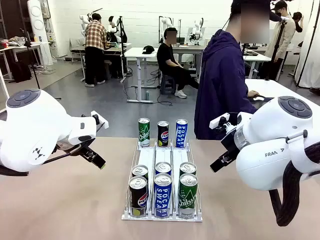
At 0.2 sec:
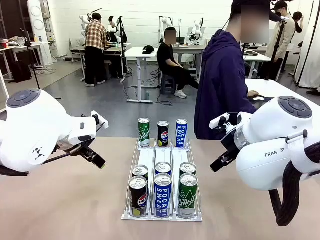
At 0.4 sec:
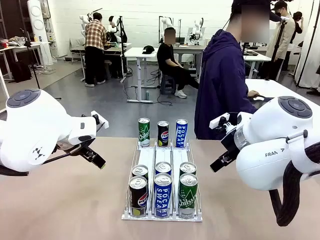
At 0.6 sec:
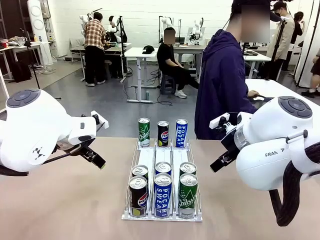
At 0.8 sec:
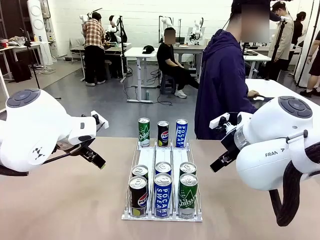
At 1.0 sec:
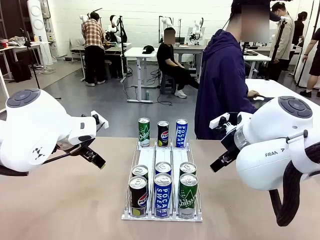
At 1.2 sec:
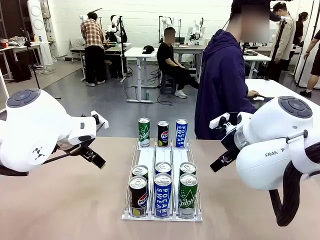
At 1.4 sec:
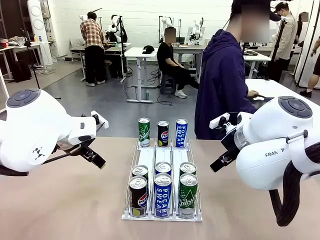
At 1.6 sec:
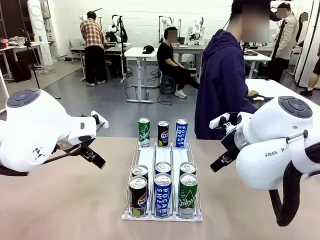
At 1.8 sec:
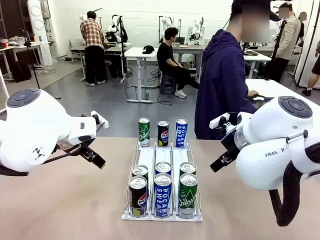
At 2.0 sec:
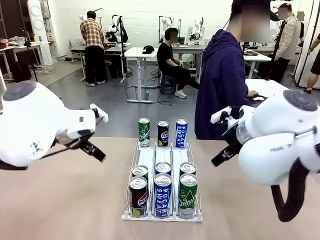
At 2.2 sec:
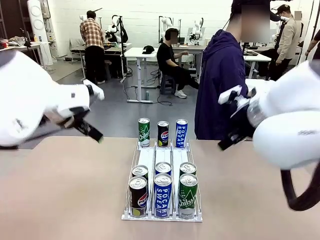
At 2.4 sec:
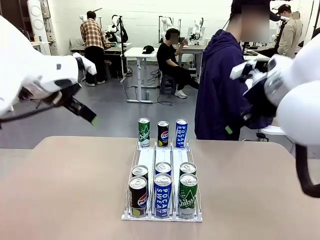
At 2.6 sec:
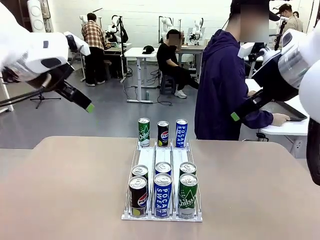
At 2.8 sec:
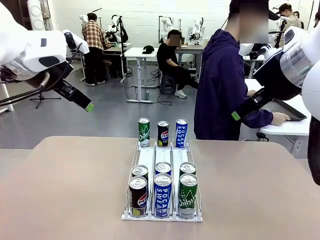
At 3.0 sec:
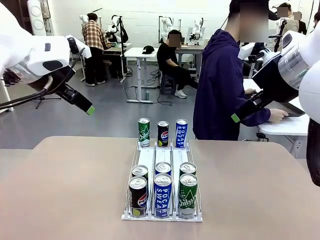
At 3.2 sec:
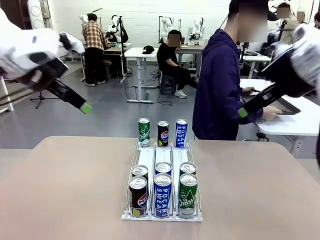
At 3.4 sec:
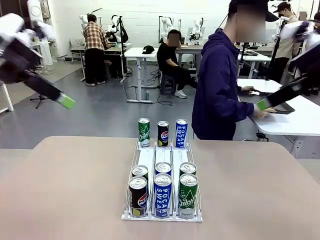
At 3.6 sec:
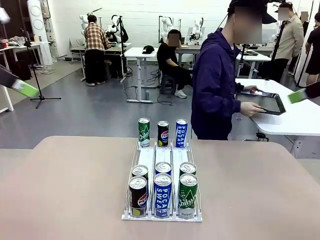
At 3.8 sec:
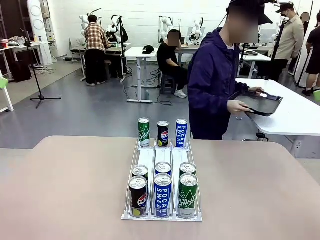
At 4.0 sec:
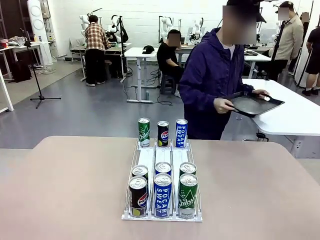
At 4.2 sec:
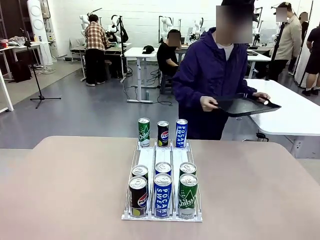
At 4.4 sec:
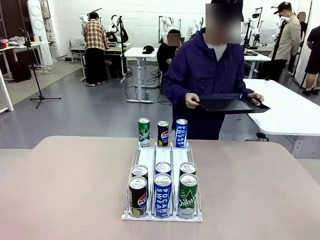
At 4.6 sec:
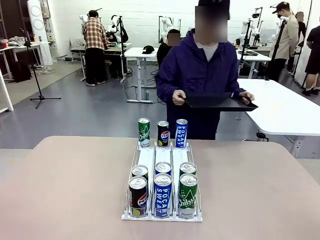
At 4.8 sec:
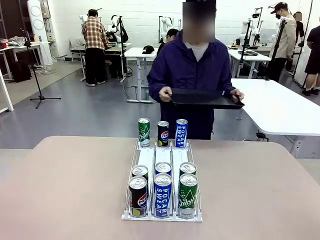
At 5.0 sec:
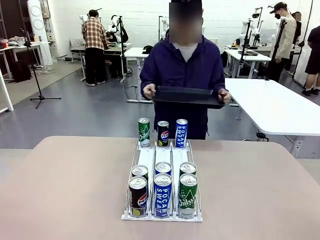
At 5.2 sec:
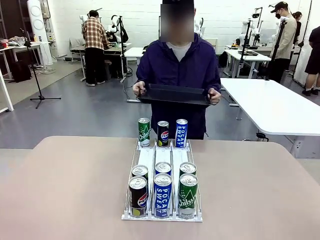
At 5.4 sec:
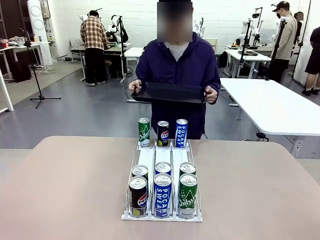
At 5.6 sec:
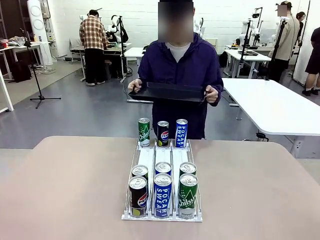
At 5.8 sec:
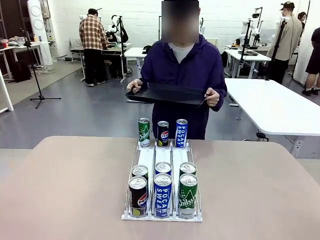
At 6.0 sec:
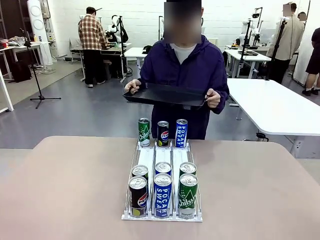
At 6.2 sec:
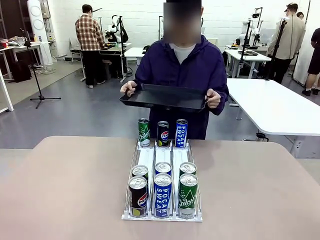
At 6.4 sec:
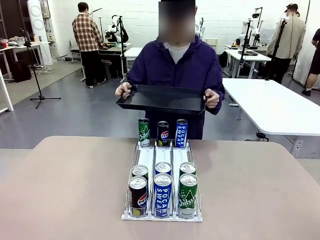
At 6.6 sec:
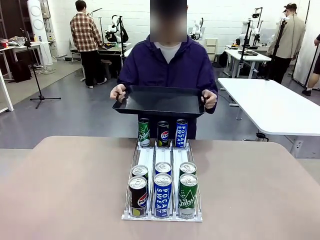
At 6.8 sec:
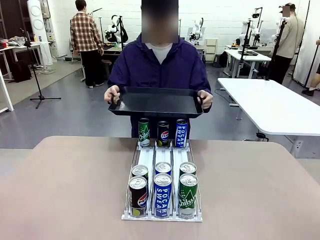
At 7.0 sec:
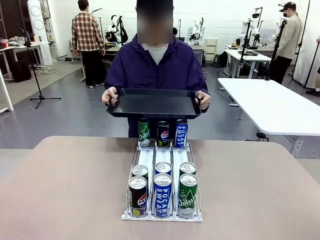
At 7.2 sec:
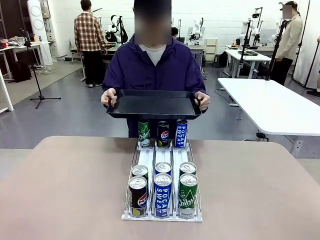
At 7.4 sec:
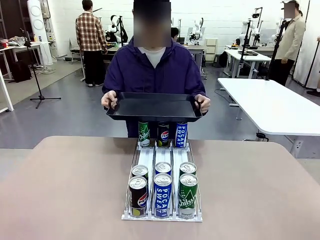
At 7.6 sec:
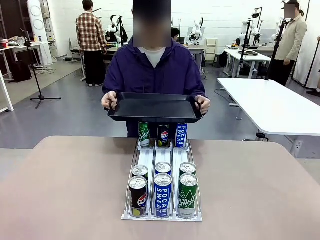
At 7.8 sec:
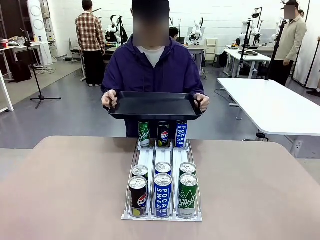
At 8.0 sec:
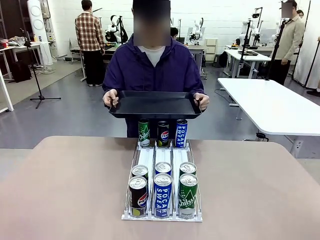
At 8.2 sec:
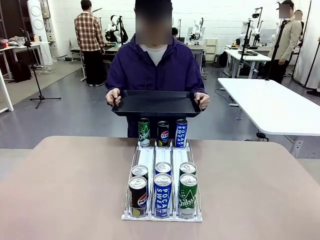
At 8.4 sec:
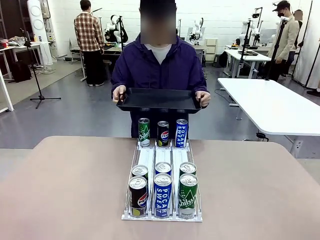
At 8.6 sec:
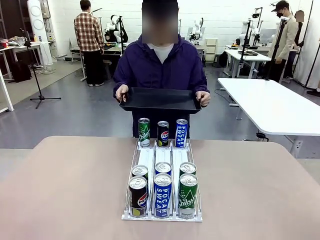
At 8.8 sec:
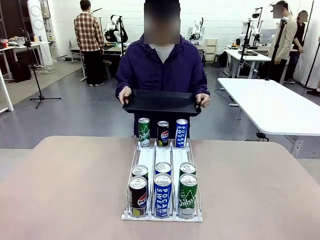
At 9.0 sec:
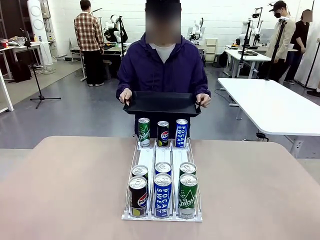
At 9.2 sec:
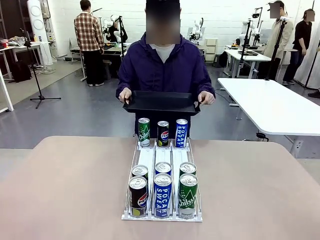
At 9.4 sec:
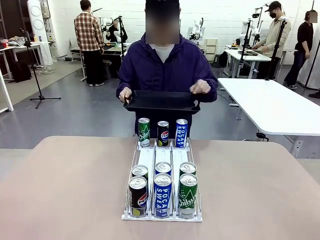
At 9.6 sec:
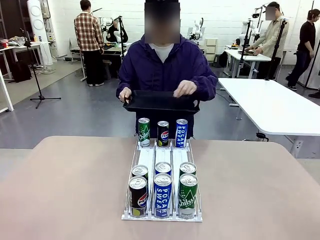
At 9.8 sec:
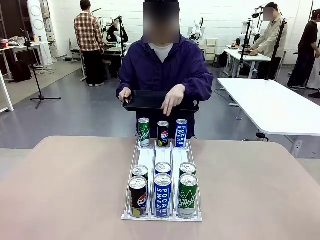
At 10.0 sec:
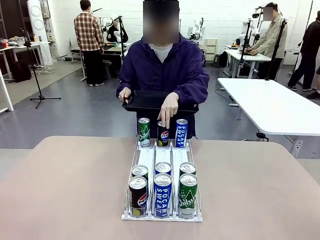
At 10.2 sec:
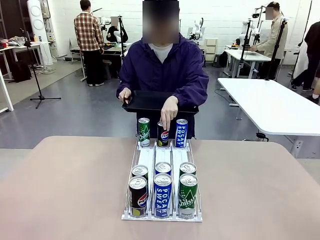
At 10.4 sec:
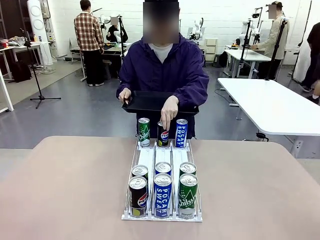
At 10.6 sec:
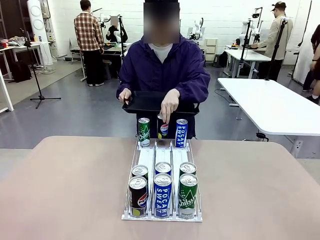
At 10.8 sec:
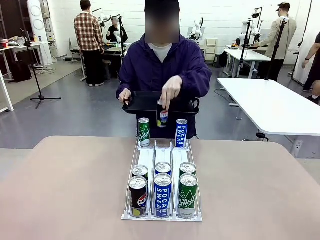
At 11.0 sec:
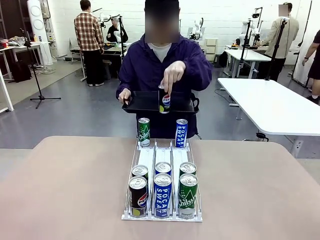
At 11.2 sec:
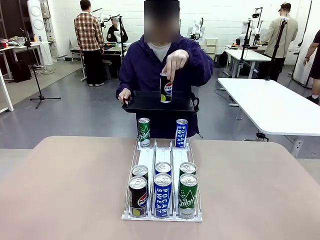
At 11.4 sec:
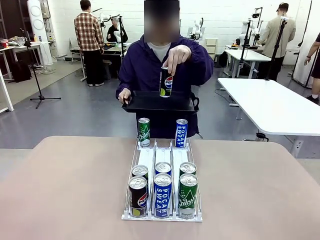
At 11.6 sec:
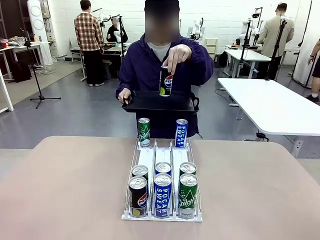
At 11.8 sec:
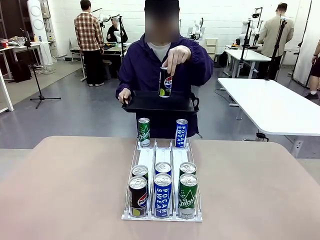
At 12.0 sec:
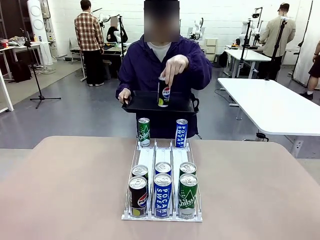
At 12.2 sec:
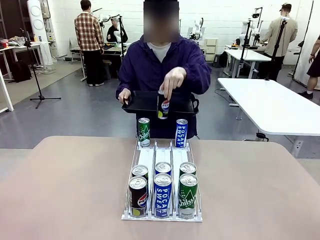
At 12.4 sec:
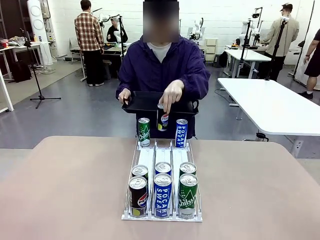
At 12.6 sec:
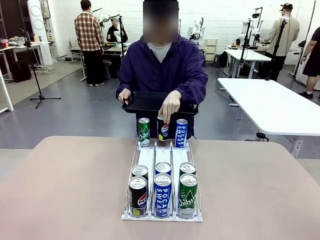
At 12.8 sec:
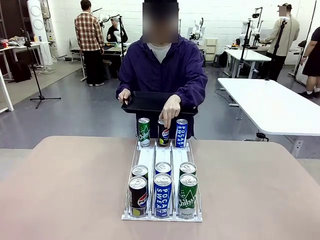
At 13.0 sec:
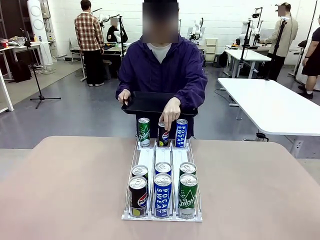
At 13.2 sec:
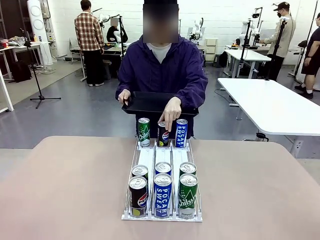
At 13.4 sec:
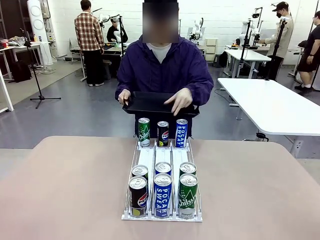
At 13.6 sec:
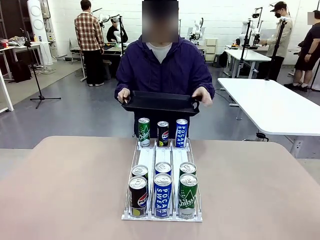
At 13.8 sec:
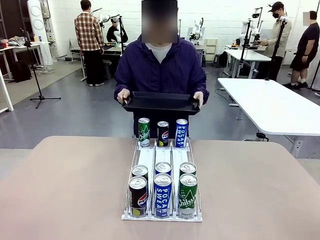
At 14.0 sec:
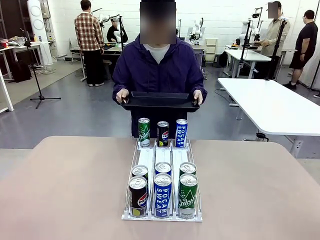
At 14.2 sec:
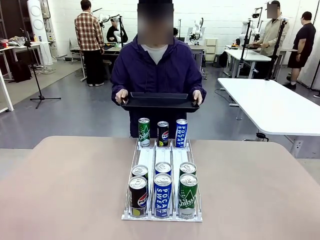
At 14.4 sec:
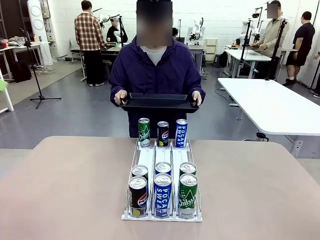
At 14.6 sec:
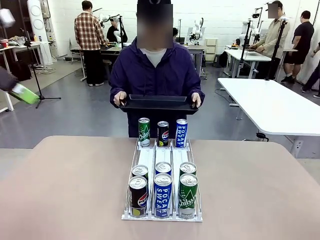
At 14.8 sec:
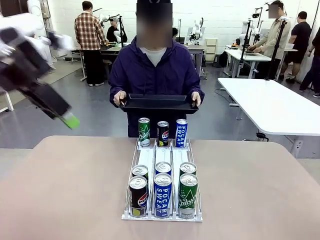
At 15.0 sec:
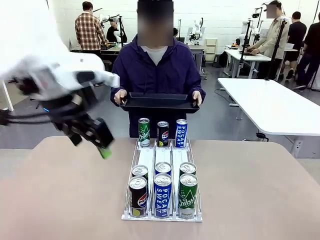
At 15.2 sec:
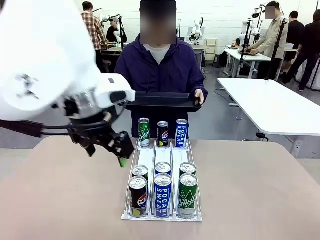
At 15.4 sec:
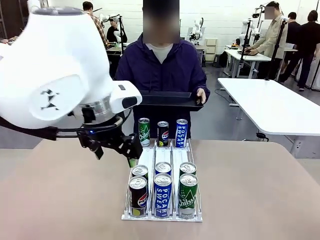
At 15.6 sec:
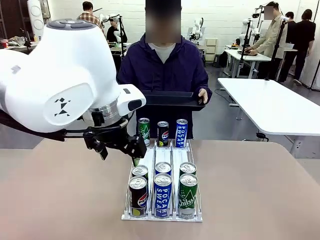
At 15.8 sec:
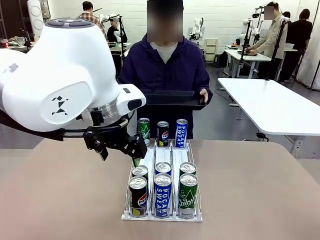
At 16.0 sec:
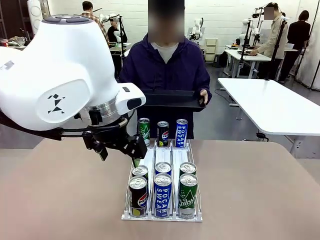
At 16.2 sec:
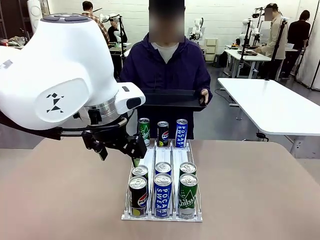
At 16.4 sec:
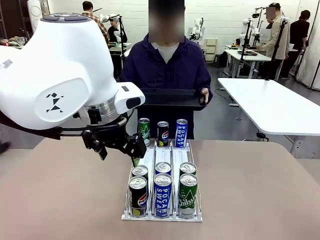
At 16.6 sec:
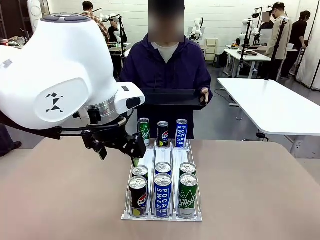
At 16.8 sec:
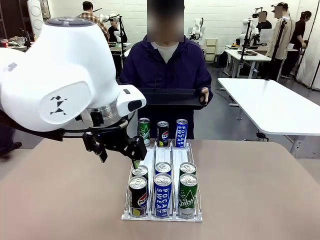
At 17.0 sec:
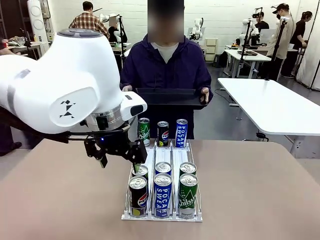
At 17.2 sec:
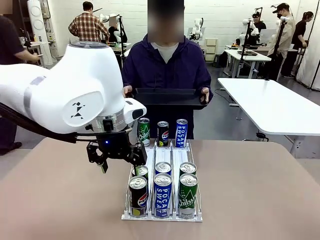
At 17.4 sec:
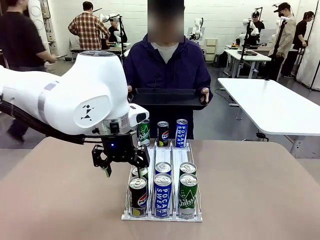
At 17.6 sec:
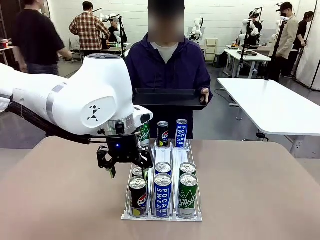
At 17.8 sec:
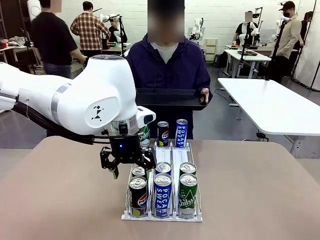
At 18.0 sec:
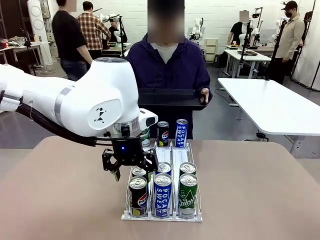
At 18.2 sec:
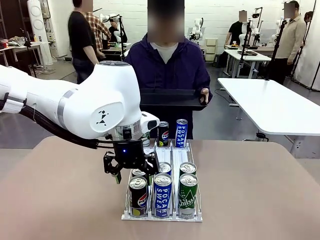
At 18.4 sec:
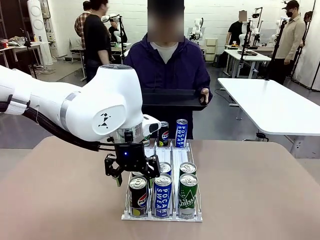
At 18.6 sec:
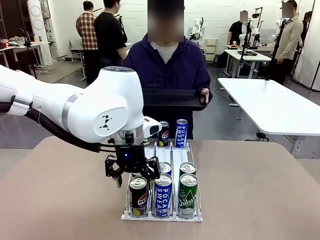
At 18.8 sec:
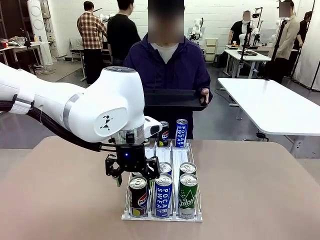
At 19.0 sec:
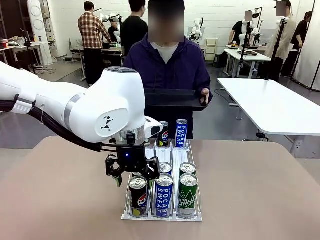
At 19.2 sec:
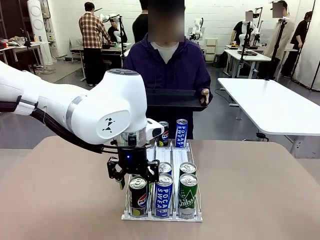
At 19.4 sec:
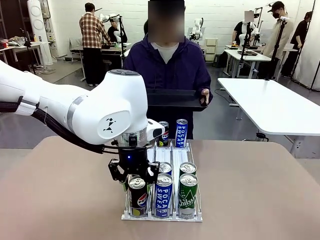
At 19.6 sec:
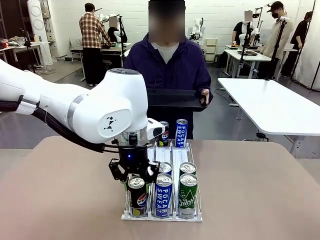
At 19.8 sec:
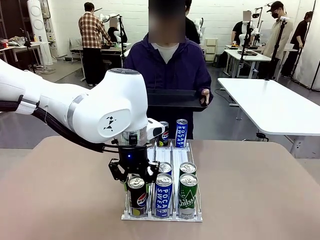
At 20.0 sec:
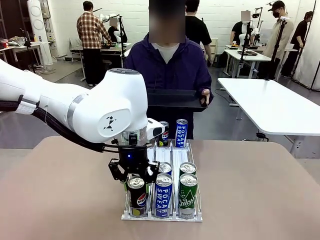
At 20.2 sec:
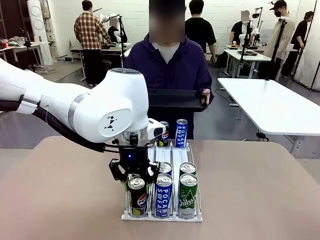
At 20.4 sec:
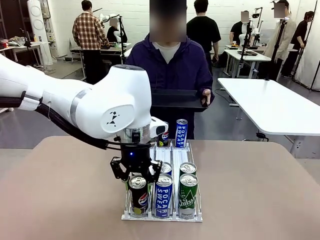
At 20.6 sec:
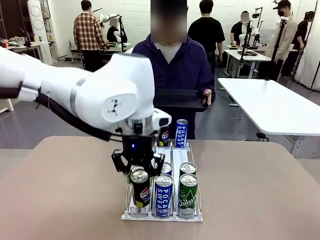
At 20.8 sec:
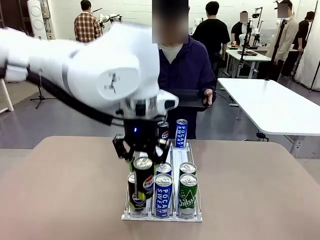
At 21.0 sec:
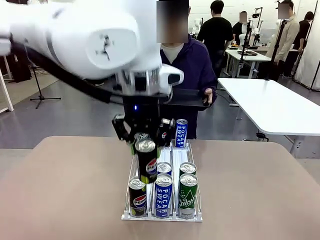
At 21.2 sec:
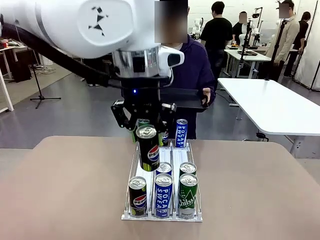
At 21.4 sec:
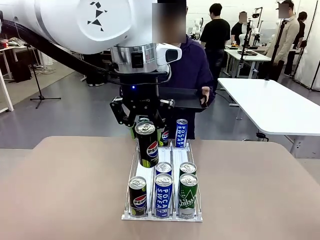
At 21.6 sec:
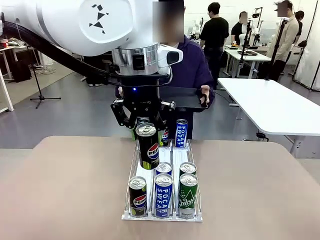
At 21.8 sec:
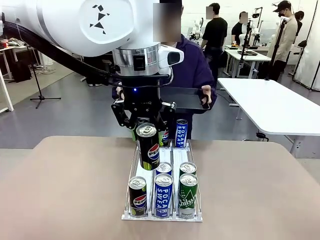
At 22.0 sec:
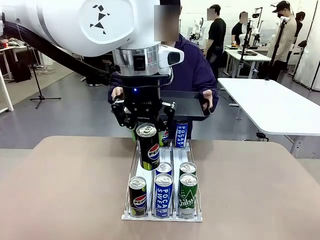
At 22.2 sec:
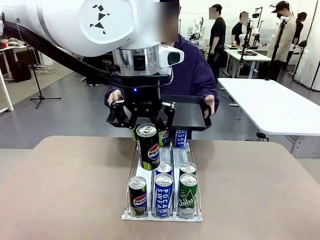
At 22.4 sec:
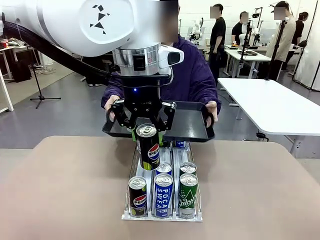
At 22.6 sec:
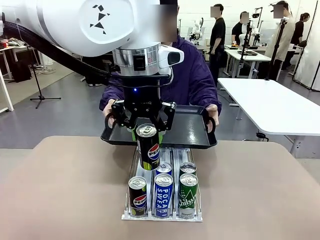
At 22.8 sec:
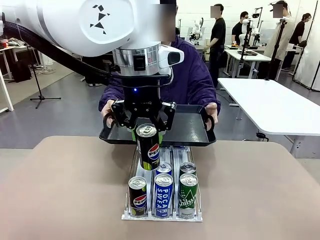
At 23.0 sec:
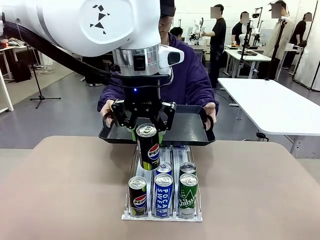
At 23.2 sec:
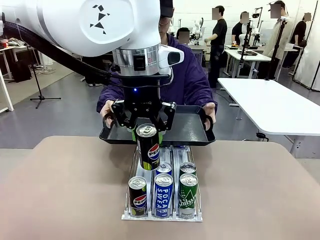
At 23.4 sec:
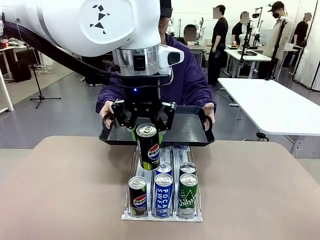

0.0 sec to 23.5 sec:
Task: Retrieve and hand over the desired beverage to the person.
Robot: Pick up a can of the same type that the person held from the Automatic Can Dispenser.
Person: Hold the tray and position yourself in front of the robot table. Pick up one can from the bottom area of the table and puts it back in its original place. Push the tray toward the robot.
